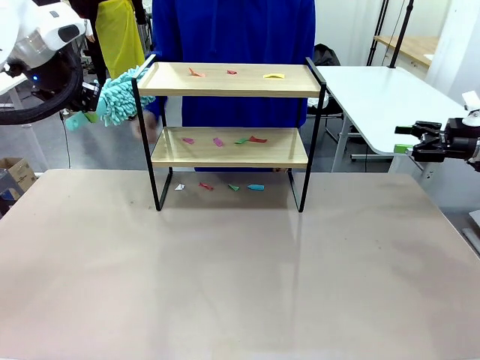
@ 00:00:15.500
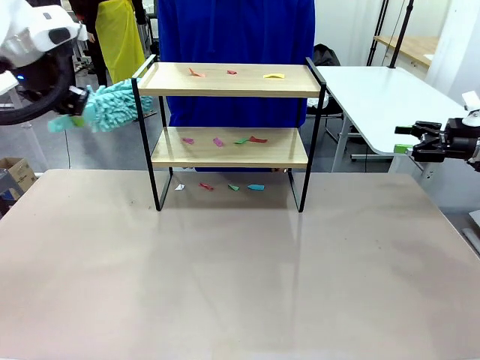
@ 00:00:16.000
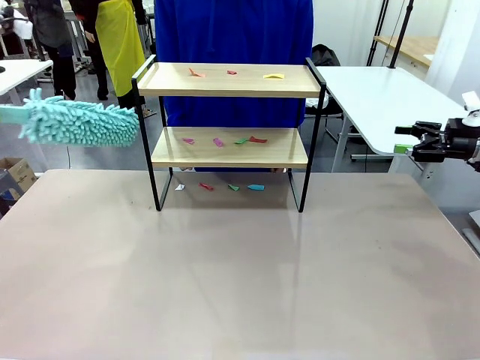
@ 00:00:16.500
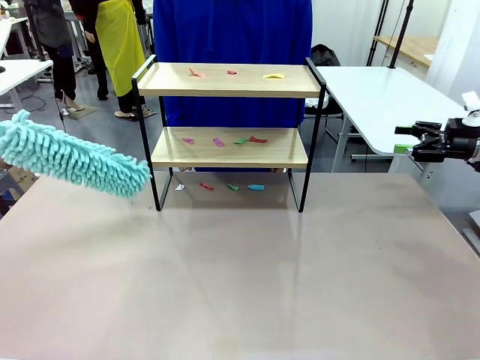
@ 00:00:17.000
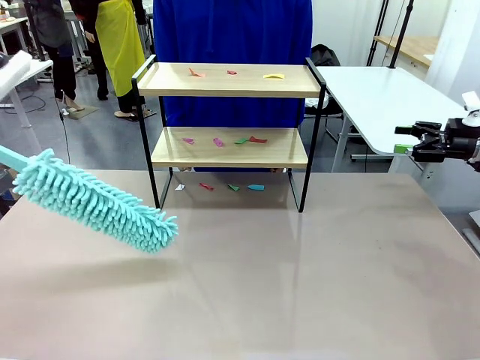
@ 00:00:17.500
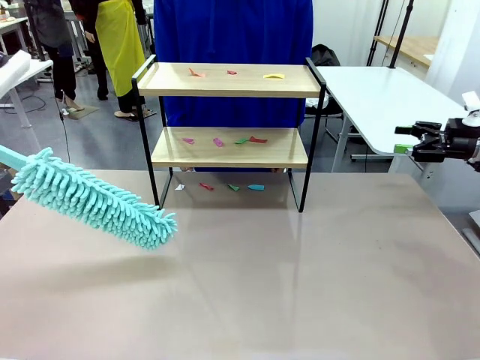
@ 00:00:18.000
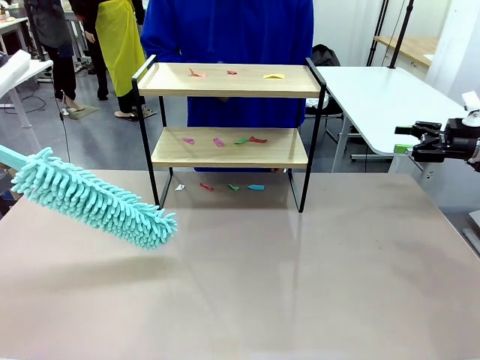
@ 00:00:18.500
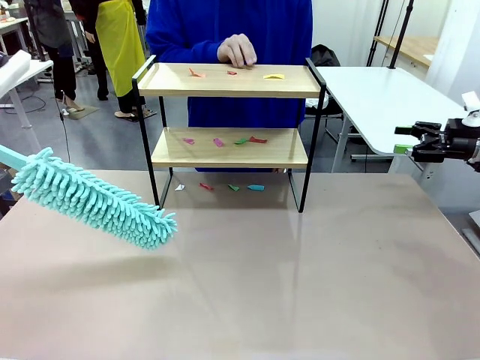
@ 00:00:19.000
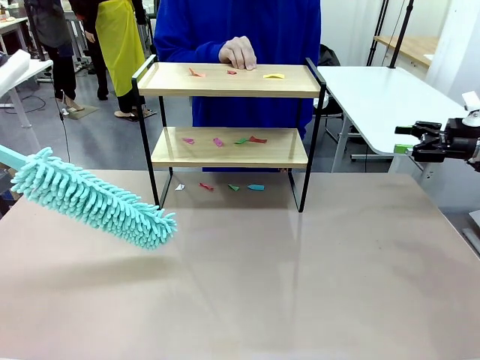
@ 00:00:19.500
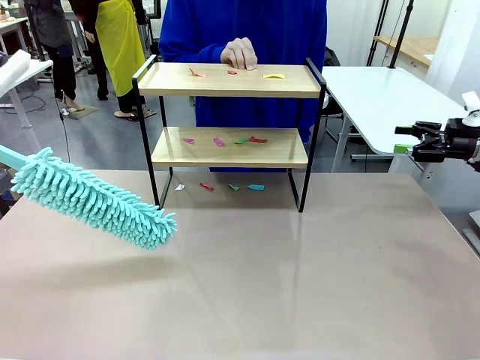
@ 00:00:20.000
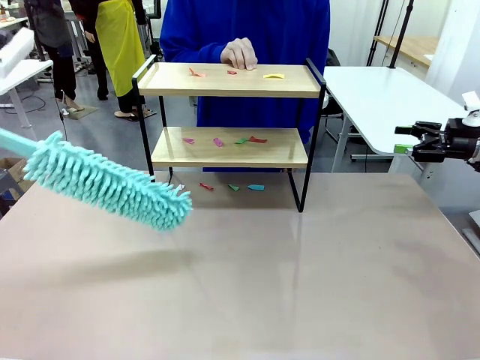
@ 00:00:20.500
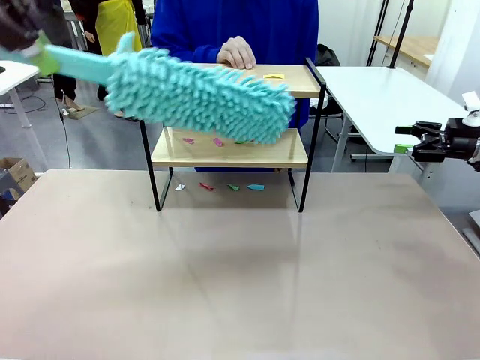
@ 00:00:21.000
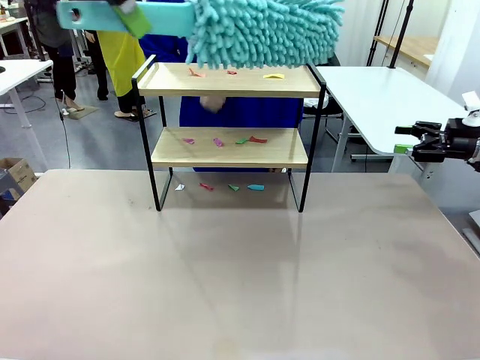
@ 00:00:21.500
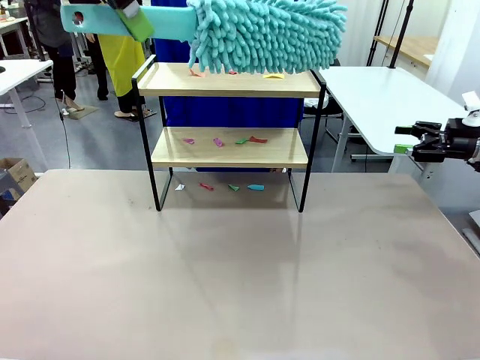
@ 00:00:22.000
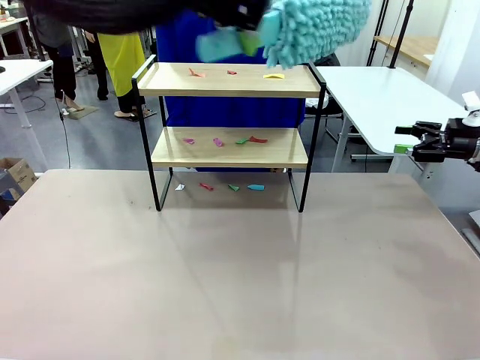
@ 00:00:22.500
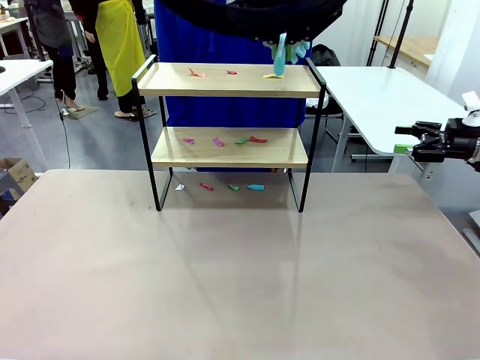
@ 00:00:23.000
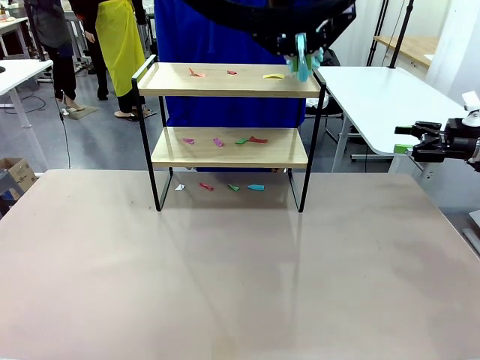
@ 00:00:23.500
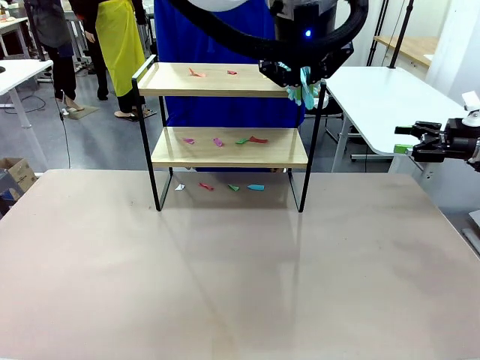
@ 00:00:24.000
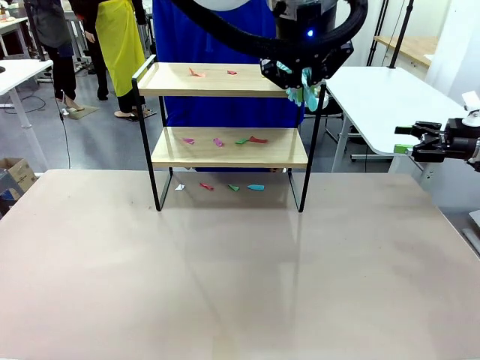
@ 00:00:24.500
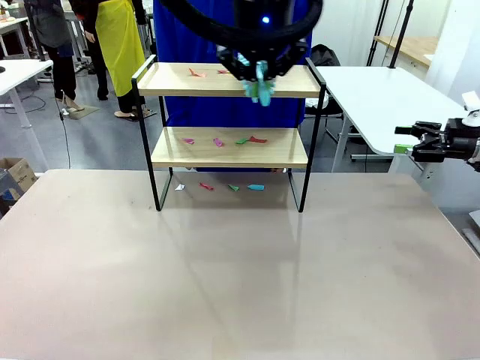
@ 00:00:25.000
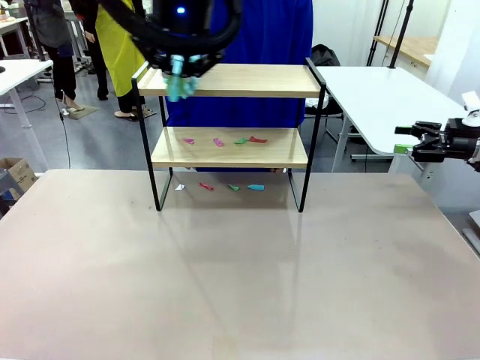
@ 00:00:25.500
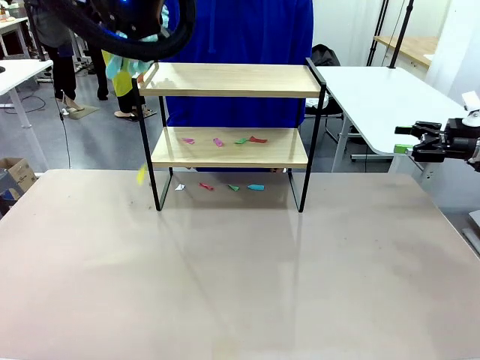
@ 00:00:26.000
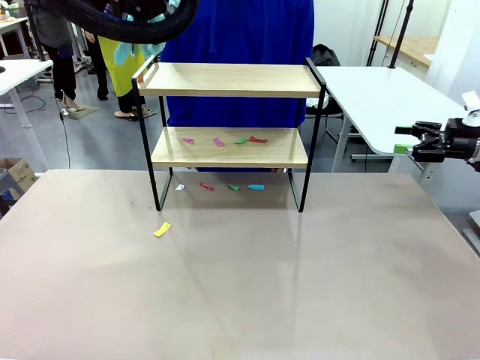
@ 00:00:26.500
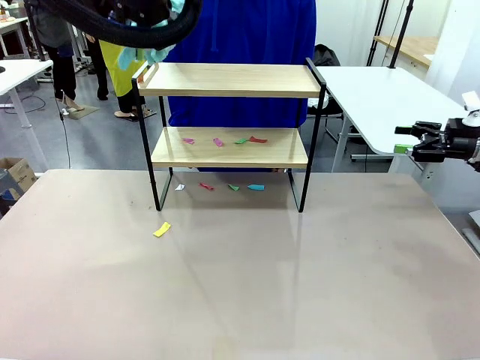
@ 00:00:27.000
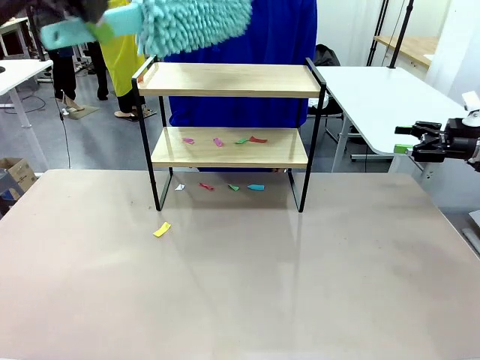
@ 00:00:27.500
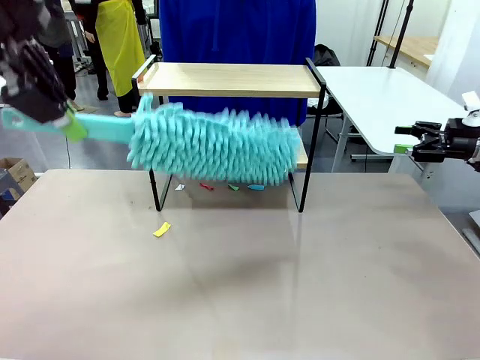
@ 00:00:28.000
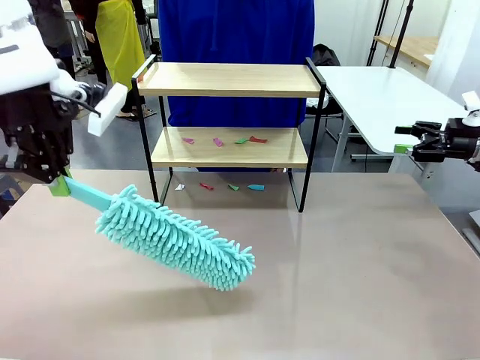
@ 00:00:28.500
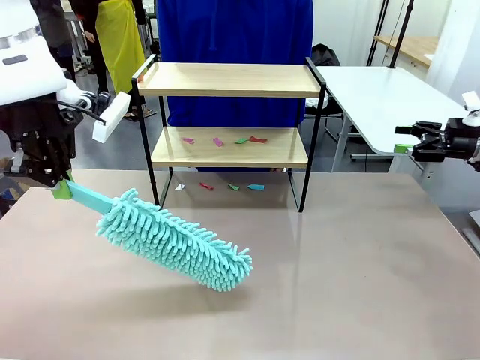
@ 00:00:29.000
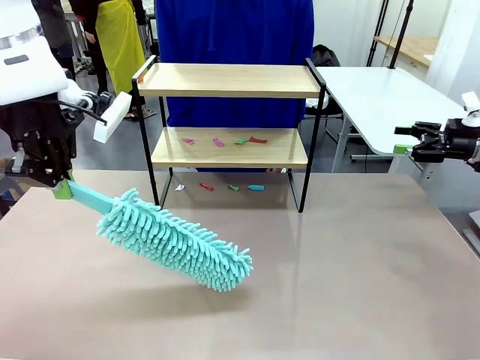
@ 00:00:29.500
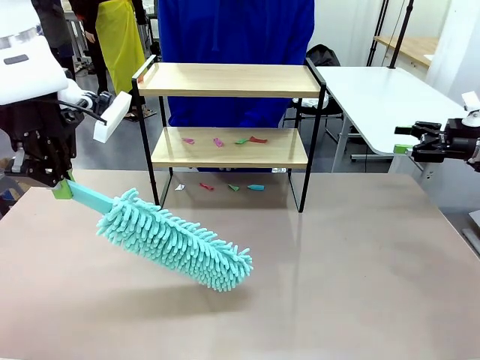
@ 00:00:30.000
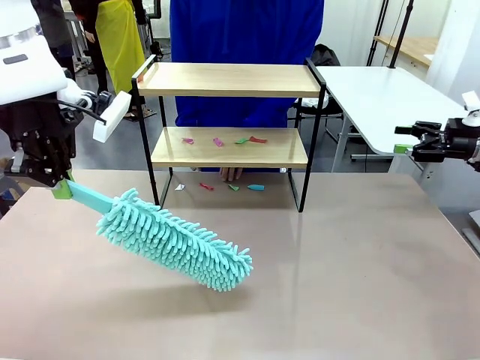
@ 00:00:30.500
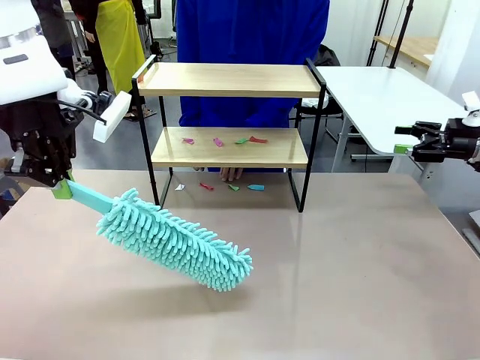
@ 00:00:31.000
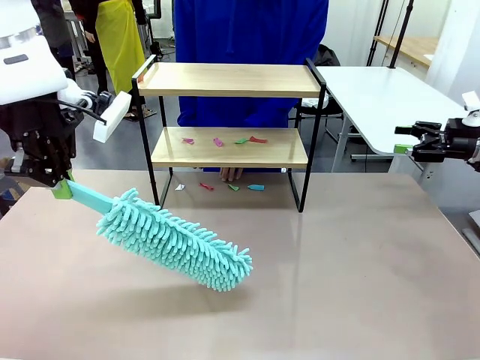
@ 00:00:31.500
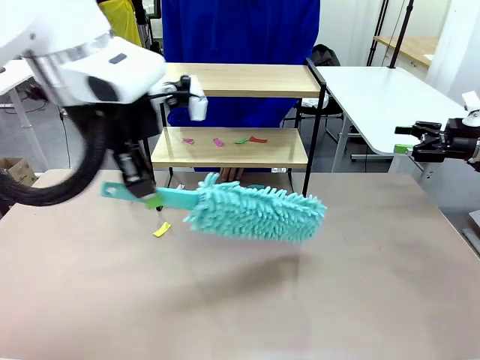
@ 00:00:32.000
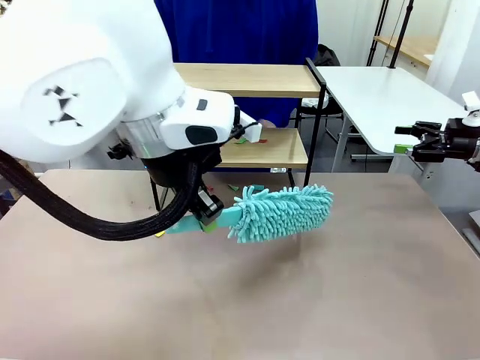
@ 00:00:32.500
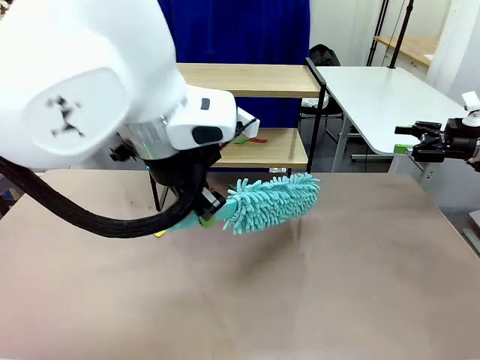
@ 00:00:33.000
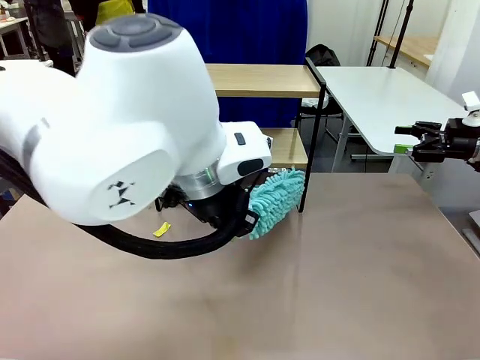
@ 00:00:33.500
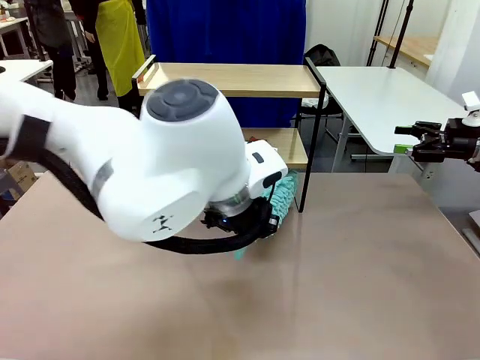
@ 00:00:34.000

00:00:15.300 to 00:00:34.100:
Task: Clean the shelf.
Robot: Clean the specific section of the Shelf indicated by the human with the Duster.
Person: Point a random section of the Shelf.
